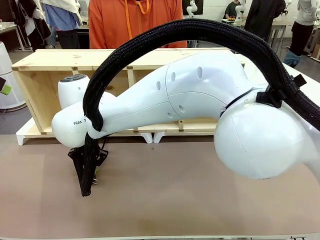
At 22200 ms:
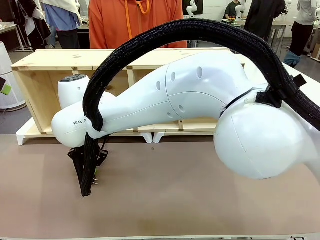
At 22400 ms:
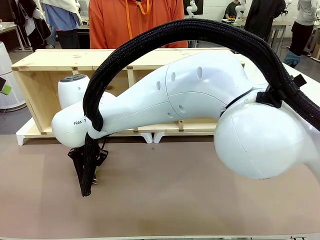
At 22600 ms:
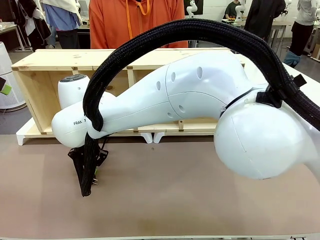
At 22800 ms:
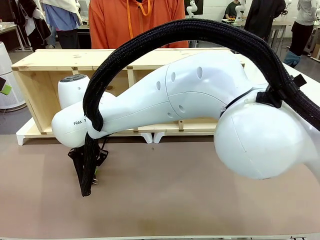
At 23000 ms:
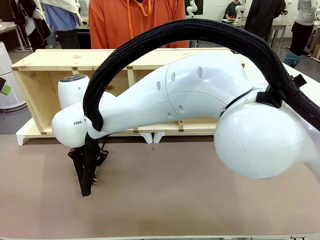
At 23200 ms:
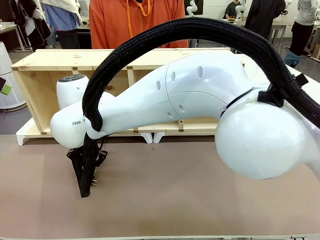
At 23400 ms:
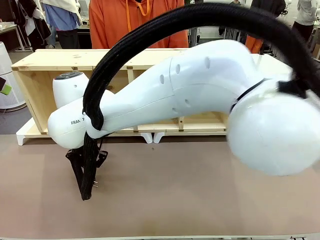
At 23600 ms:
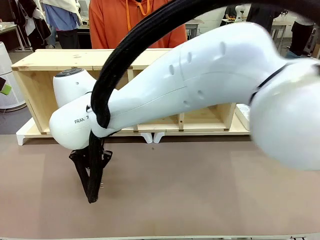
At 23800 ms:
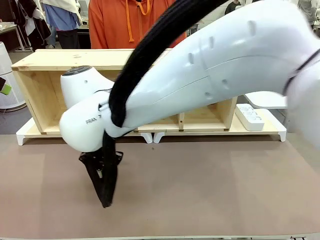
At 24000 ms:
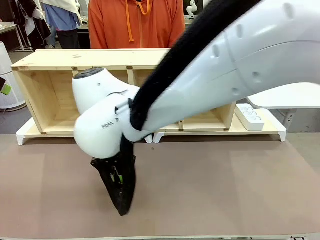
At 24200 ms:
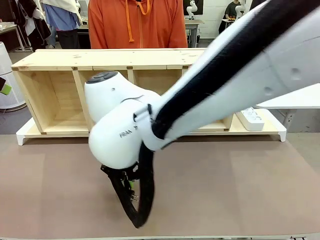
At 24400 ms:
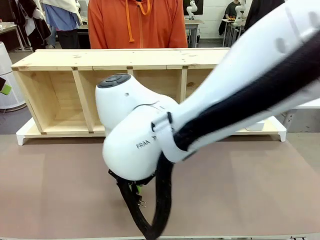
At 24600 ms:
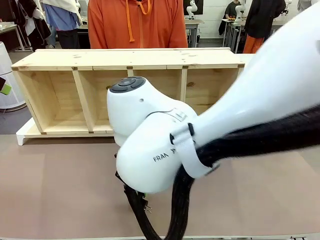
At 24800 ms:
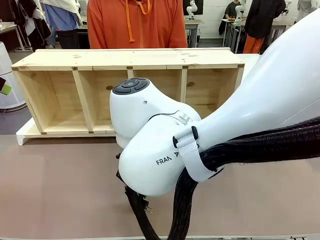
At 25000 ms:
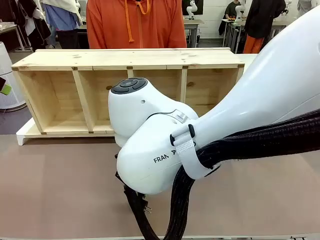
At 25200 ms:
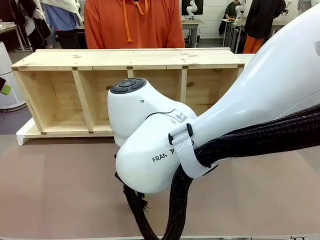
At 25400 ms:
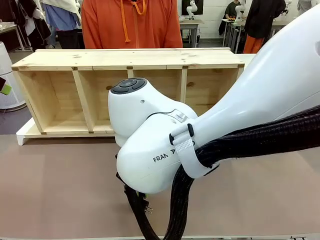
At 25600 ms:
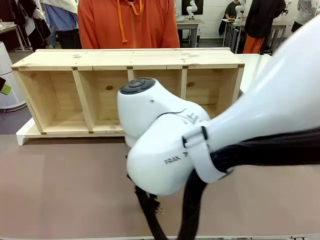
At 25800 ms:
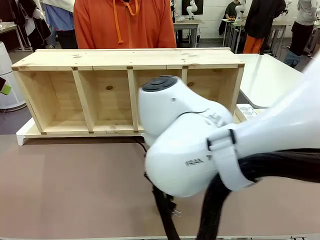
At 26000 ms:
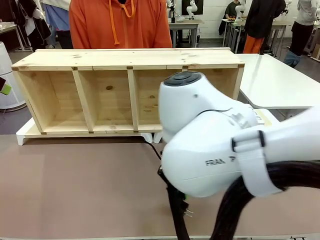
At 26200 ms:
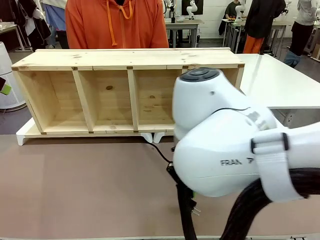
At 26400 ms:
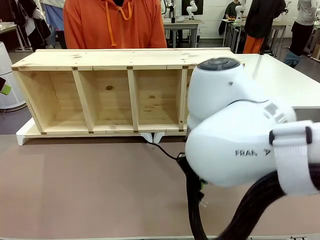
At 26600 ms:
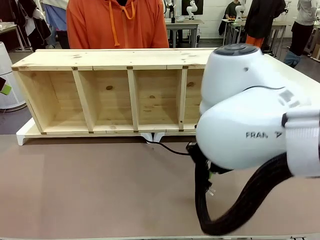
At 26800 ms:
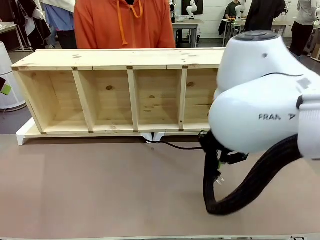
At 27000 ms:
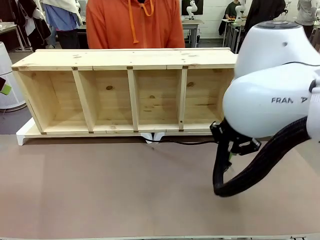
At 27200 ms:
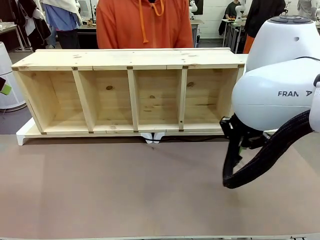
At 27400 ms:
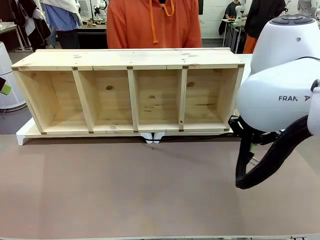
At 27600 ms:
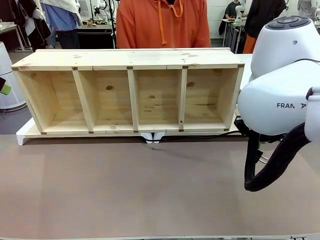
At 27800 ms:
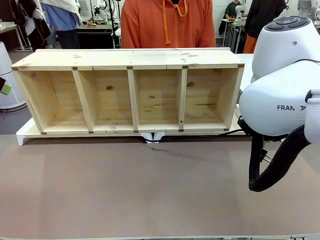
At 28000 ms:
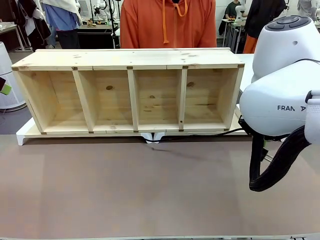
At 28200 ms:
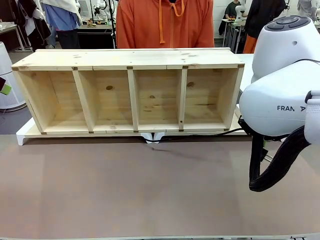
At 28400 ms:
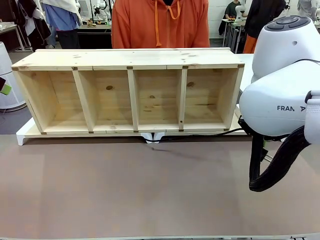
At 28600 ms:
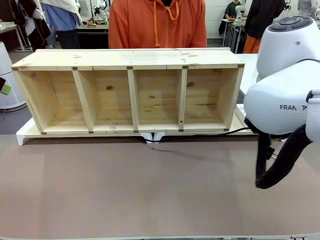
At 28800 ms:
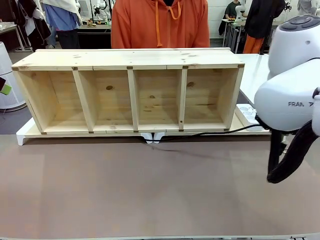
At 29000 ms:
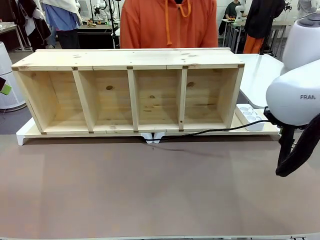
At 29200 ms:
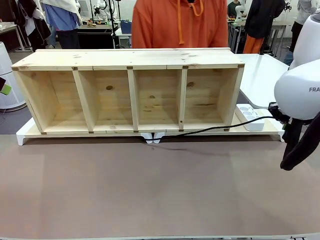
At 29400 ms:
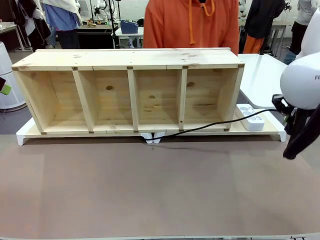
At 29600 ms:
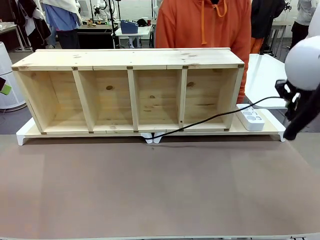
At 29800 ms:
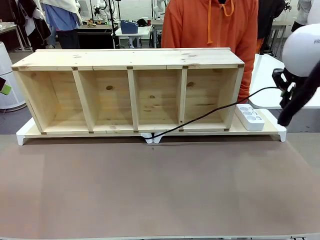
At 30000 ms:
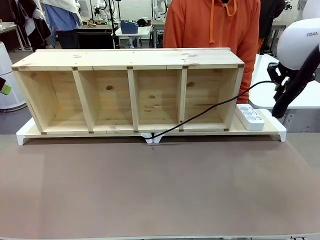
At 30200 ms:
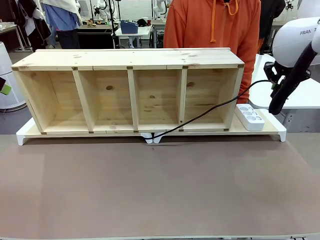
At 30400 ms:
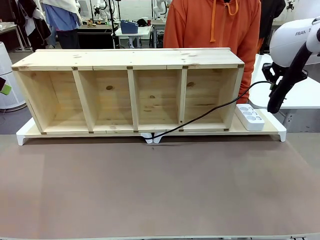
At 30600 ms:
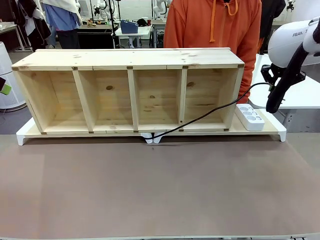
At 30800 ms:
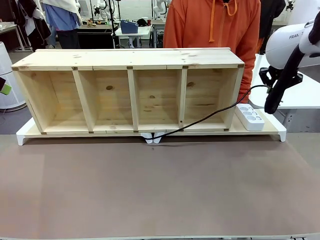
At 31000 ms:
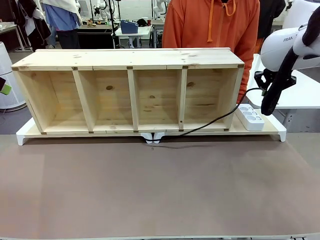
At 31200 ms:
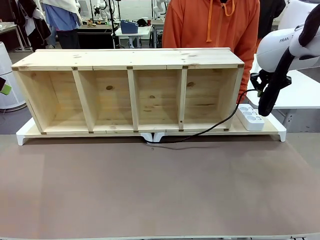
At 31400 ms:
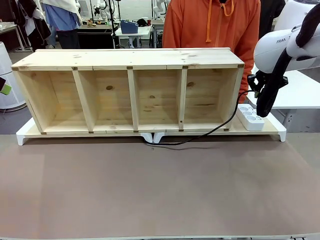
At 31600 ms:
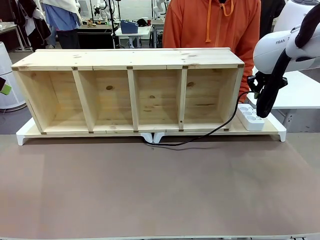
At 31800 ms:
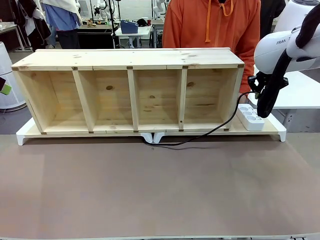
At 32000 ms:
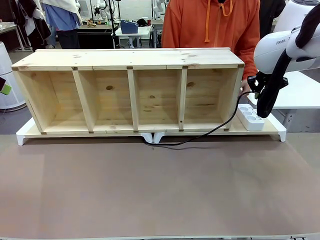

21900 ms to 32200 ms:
Task: Perform cable management.
Robot: Pull the grasped Power Cable to the location of the Power Strip.

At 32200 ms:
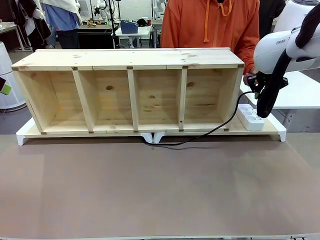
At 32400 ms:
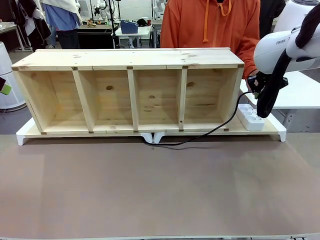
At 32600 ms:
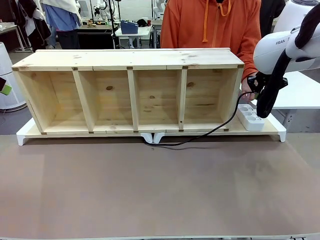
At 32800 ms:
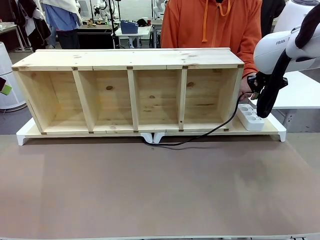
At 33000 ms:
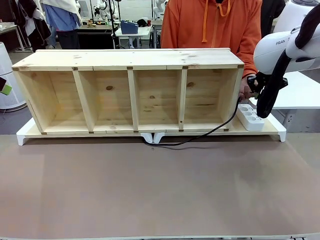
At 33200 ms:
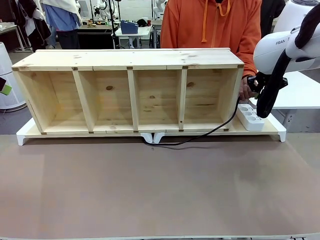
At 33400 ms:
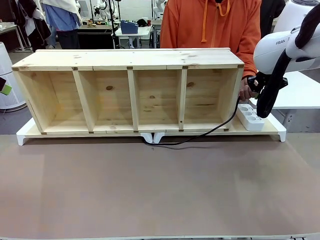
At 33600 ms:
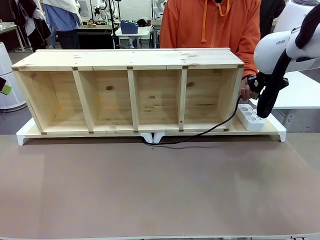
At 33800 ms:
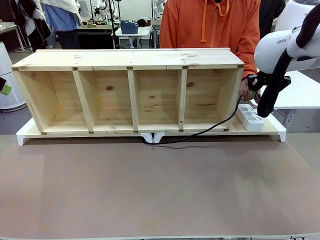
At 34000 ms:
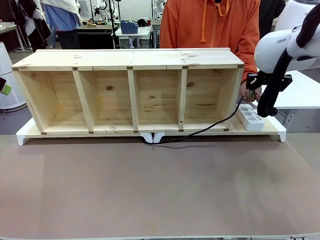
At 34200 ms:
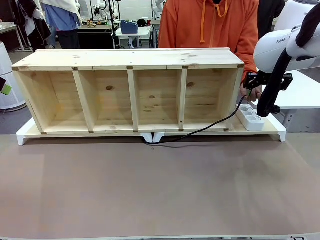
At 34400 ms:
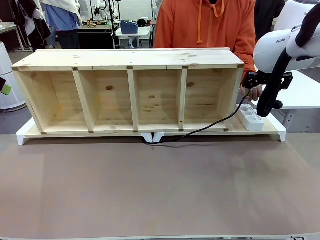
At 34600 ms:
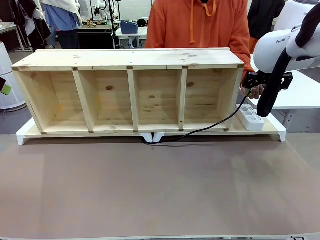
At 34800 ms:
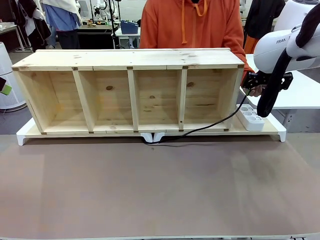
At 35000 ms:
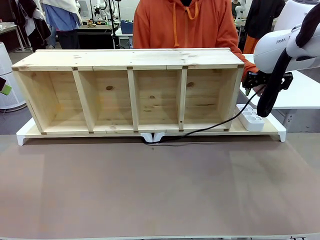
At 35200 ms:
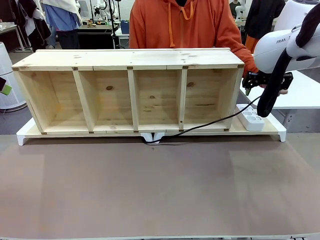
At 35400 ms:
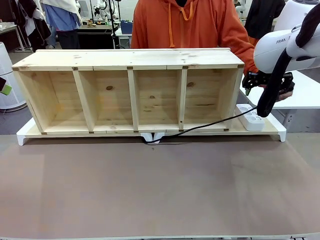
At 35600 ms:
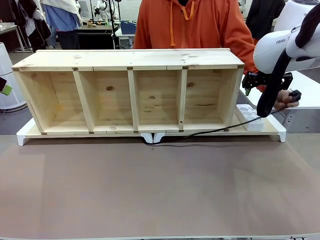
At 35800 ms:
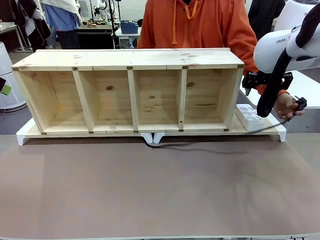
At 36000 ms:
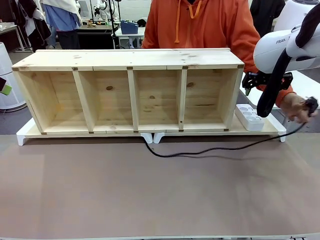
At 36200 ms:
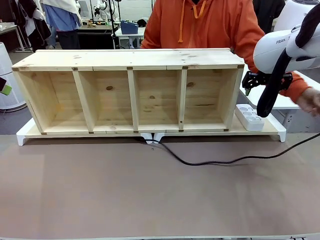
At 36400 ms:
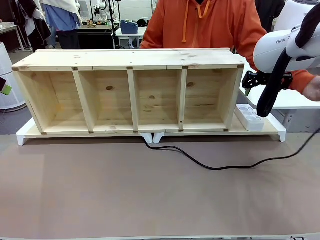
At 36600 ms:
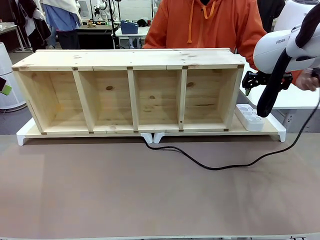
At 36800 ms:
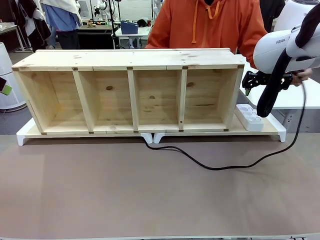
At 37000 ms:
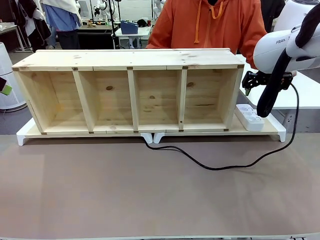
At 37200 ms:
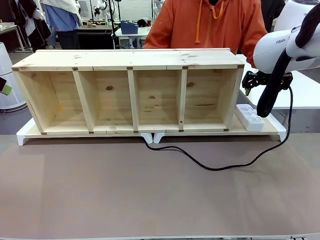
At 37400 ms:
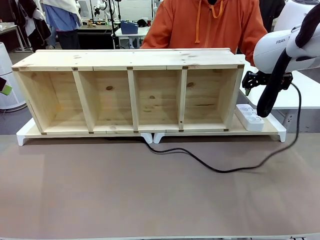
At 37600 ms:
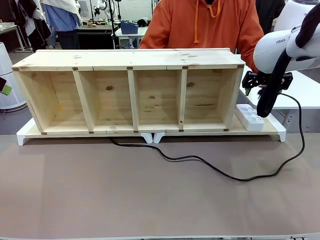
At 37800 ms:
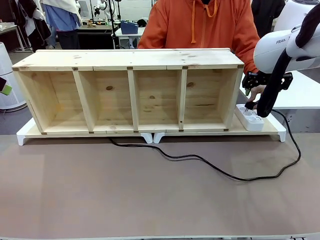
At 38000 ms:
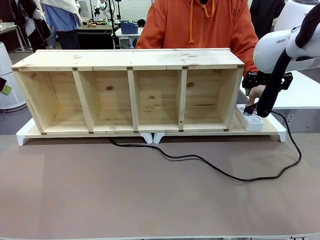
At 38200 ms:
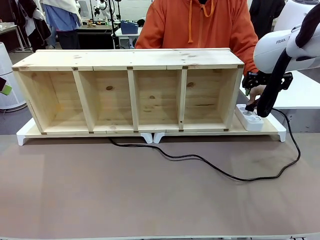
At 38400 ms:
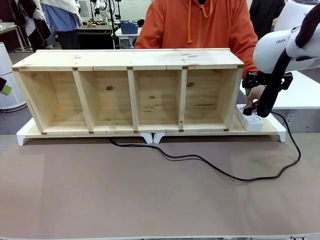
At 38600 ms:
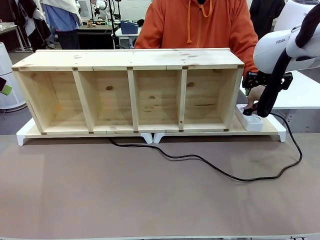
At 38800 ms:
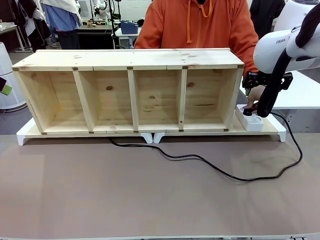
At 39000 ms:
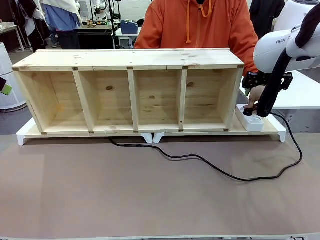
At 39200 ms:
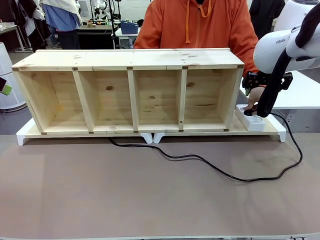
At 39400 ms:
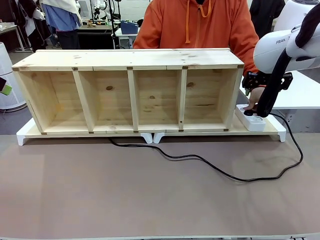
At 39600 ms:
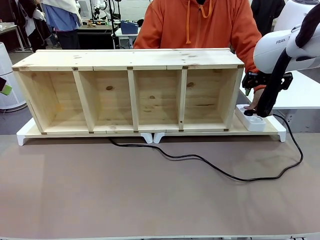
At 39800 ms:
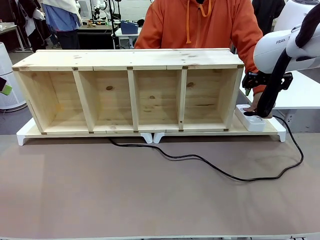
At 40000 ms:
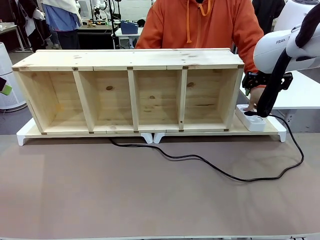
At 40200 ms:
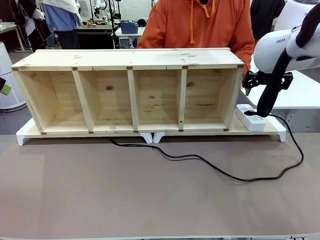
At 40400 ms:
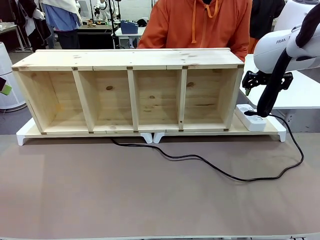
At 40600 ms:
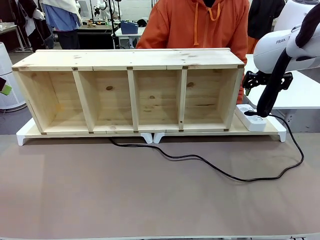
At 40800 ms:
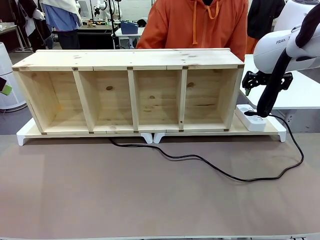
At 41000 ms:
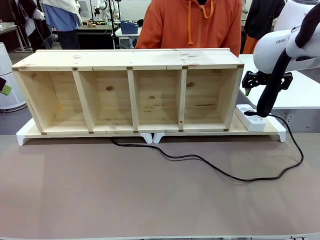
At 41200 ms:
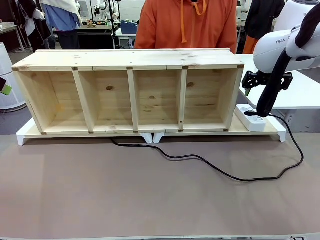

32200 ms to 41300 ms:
Robot: Release the Power Cable when the human grasps it.
Person: Plug the Power Cable into the Power Strip.
